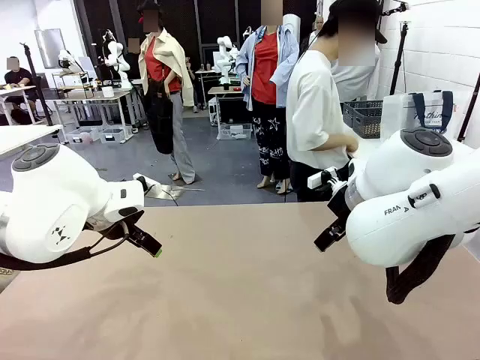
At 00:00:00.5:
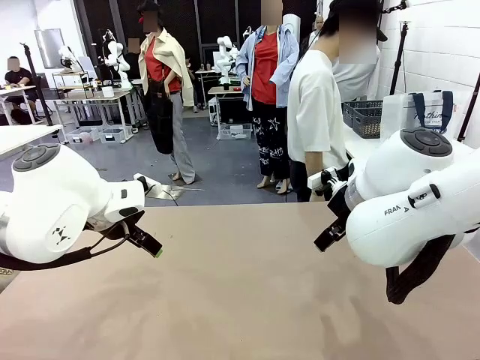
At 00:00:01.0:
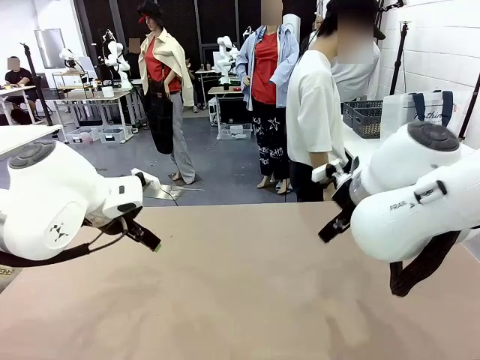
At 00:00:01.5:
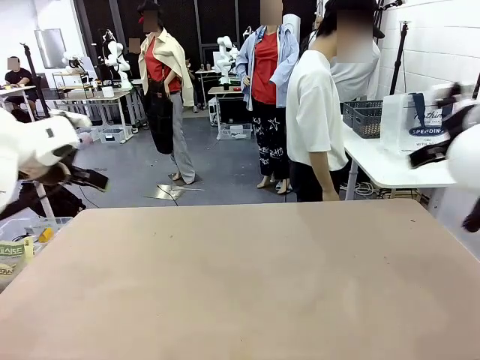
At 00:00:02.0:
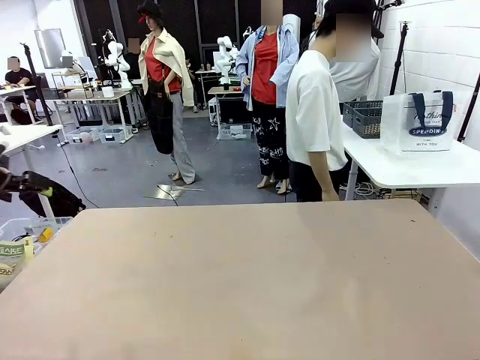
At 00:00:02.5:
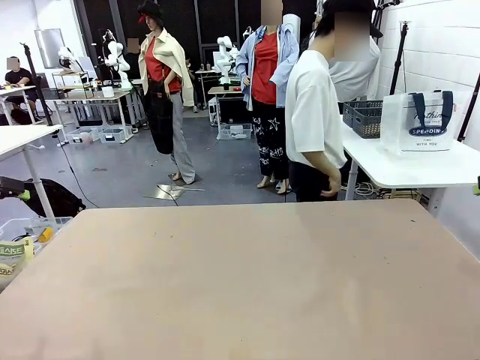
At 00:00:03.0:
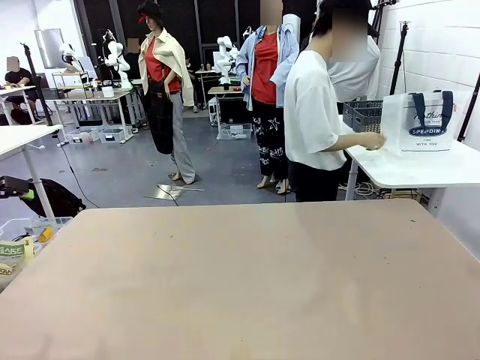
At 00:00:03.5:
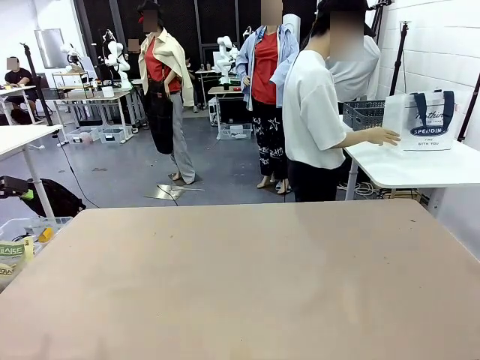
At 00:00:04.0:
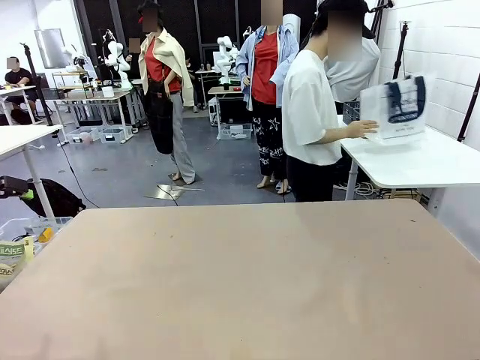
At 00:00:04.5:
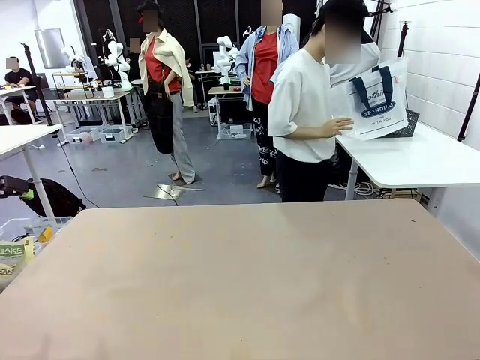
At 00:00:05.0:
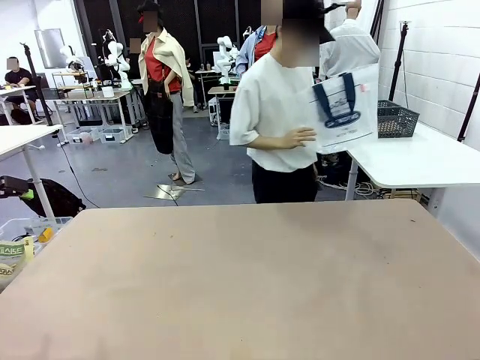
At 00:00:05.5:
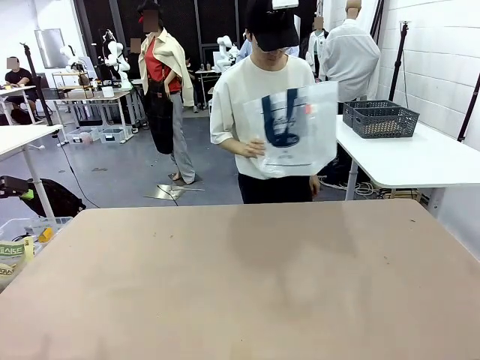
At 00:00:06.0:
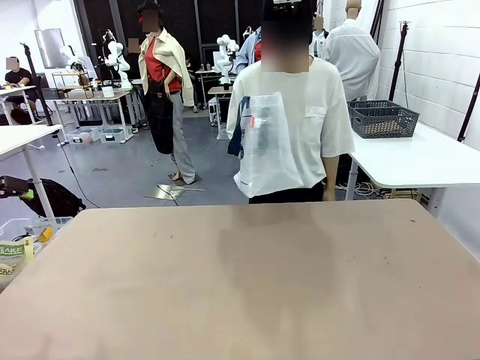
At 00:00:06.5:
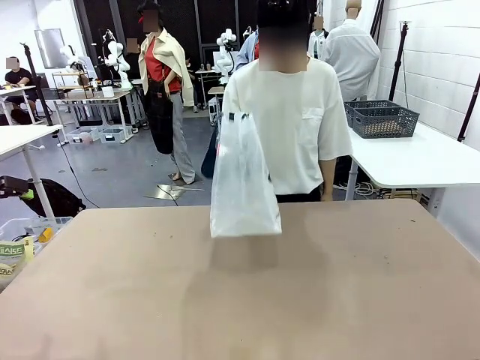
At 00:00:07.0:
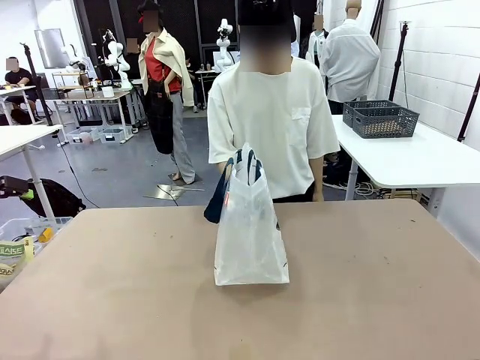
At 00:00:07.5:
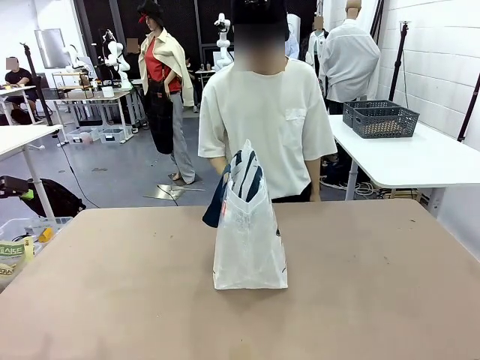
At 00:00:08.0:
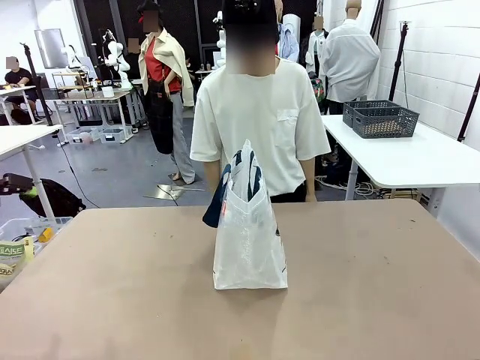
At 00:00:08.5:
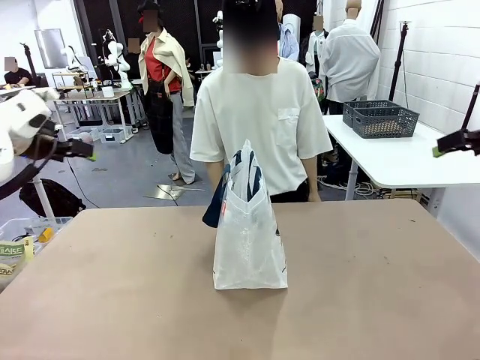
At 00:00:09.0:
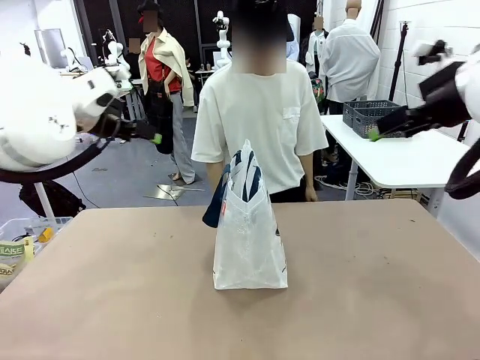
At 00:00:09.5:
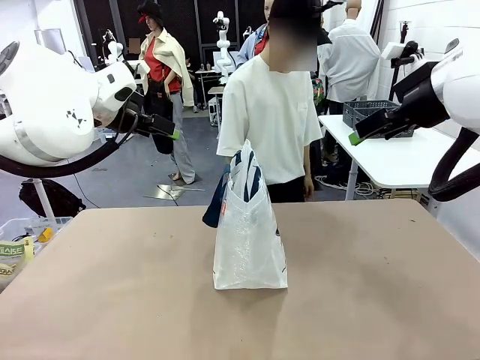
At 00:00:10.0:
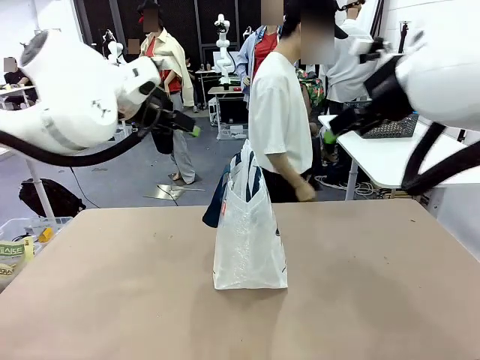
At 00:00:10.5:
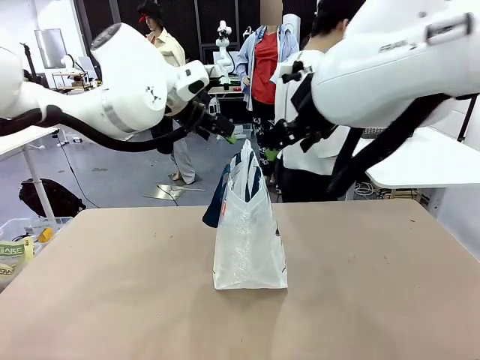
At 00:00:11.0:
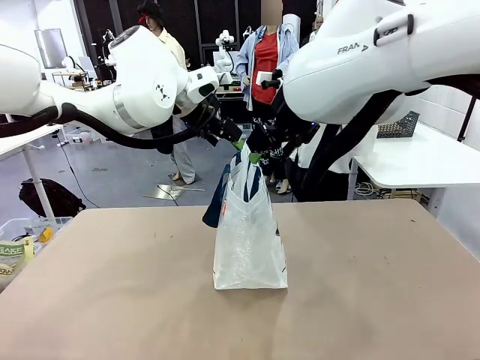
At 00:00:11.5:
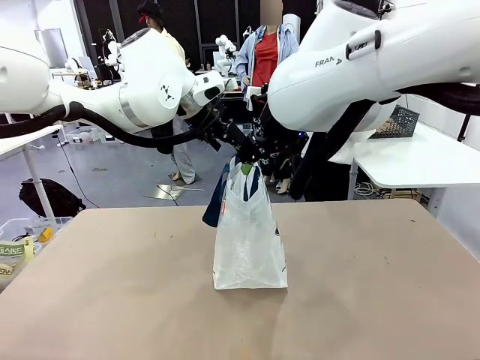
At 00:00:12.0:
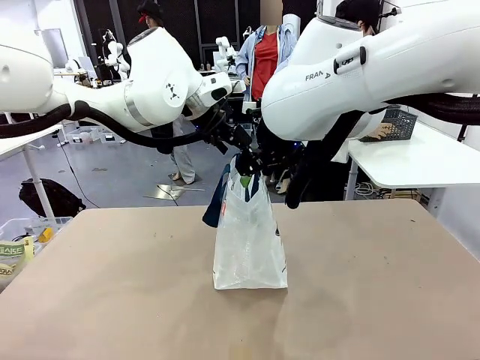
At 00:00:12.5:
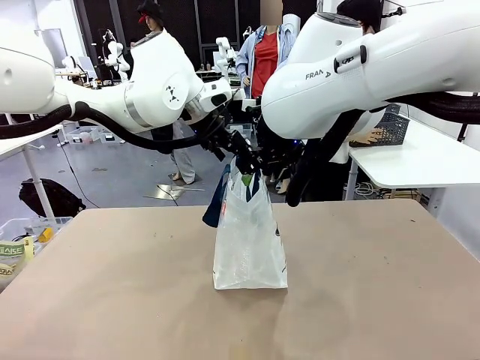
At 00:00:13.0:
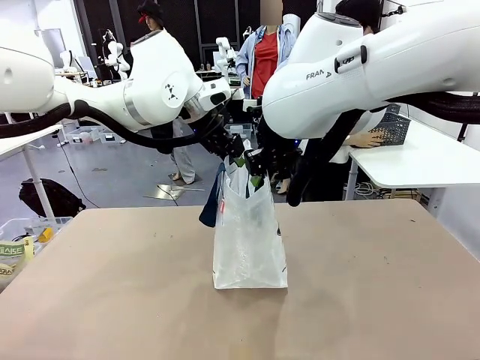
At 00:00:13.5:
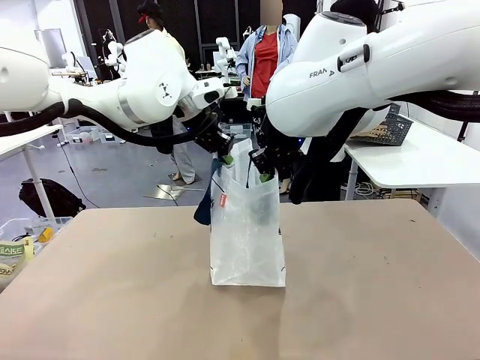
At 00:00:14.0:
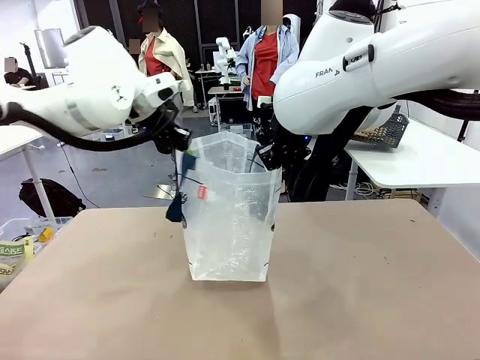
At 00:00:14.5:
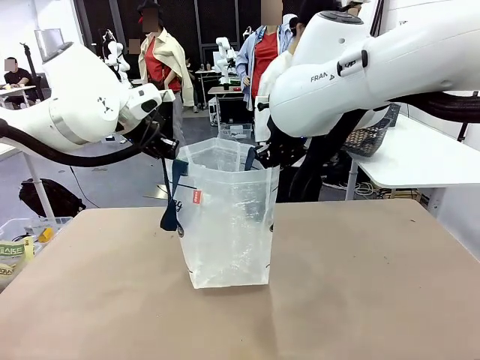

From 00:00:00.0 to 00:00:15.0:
Task: Transfer purchased items from the store into the shopping bag.
Robot: Open the Reusable shopping bag in the center of the table.
Person: Pick up the shopping bag and place it in the middle of the robot table. Pick up the basket on the right, place it on the left side of the robot table, and move the items in the basket to the shopping bag.

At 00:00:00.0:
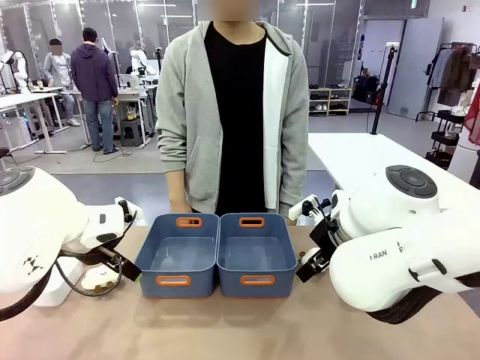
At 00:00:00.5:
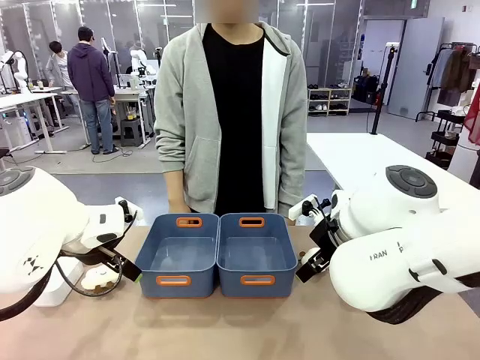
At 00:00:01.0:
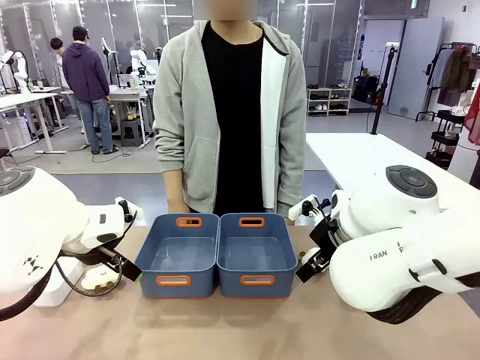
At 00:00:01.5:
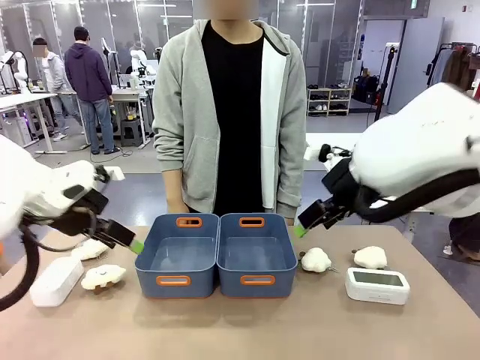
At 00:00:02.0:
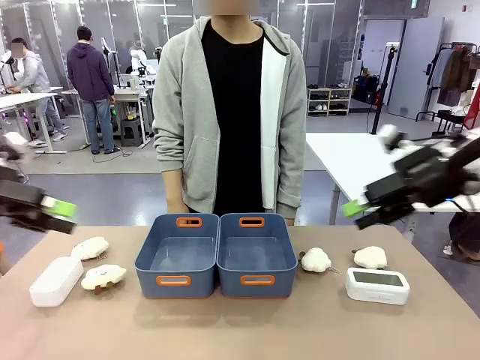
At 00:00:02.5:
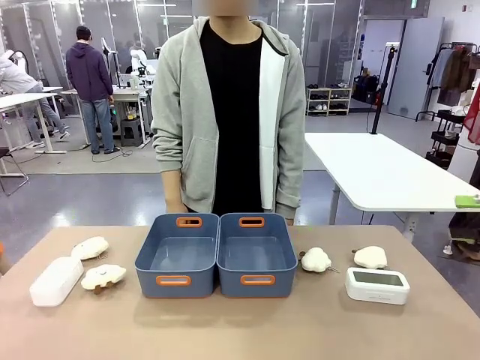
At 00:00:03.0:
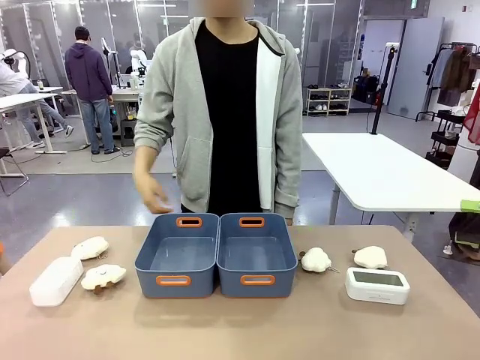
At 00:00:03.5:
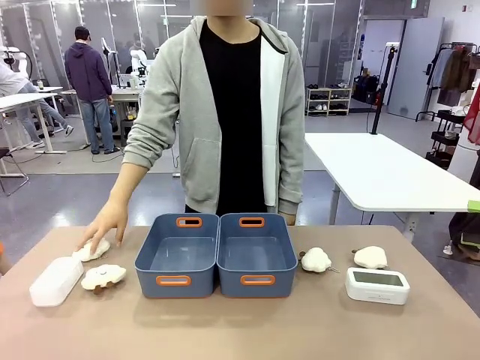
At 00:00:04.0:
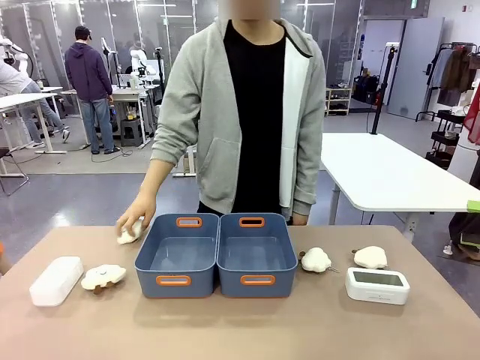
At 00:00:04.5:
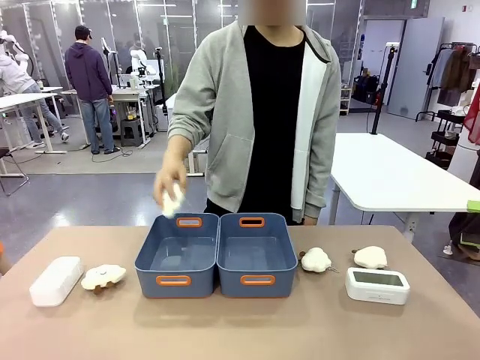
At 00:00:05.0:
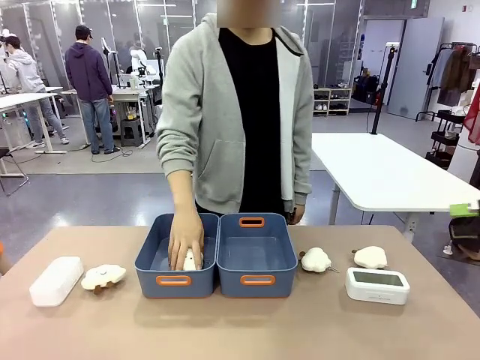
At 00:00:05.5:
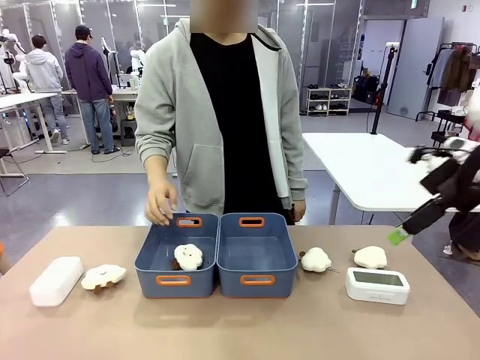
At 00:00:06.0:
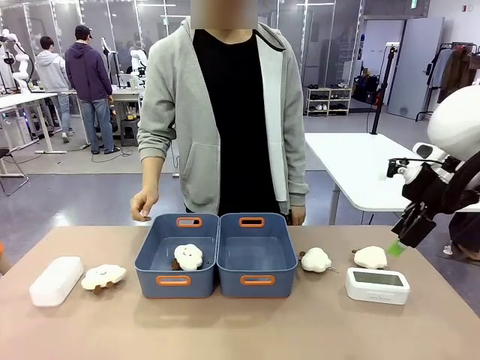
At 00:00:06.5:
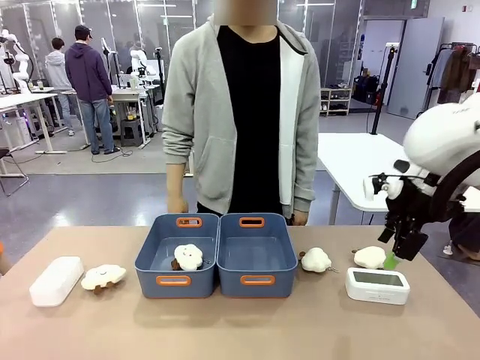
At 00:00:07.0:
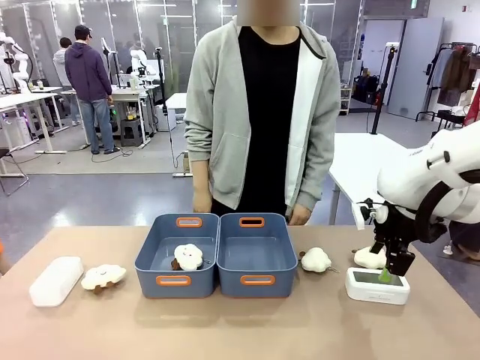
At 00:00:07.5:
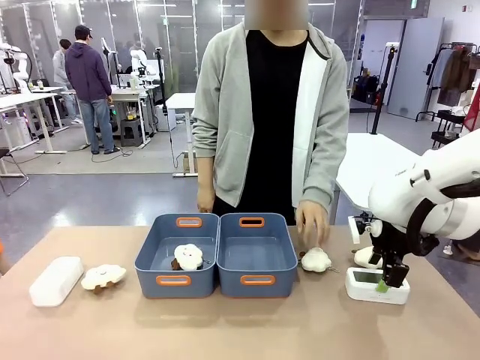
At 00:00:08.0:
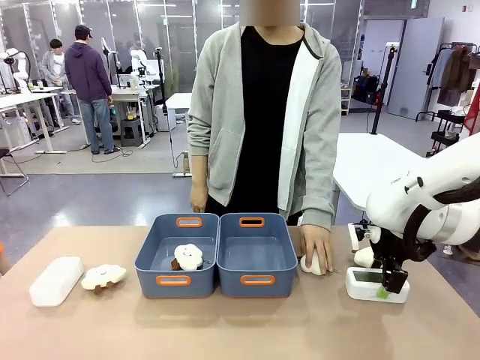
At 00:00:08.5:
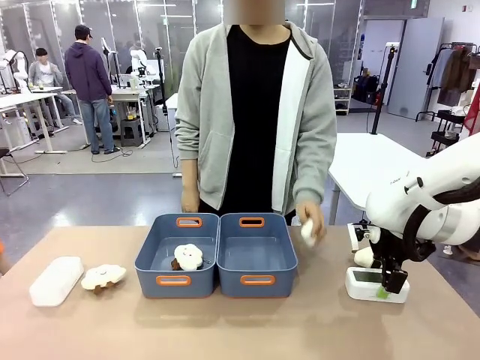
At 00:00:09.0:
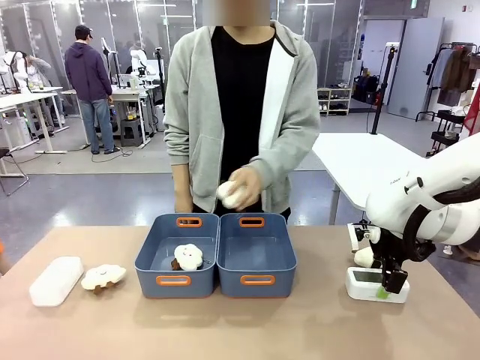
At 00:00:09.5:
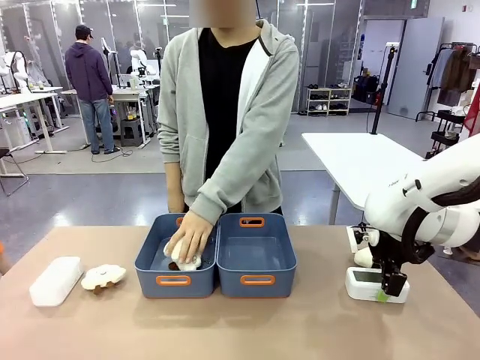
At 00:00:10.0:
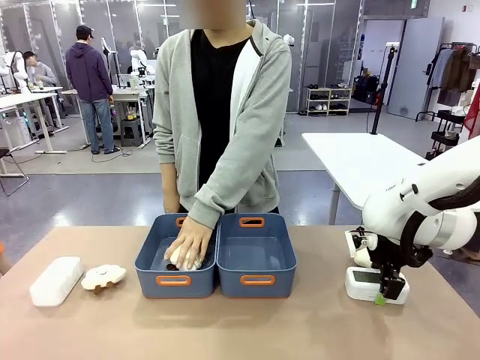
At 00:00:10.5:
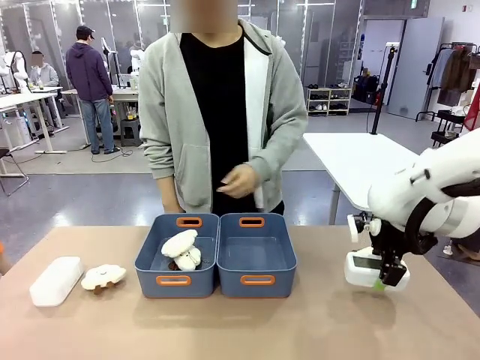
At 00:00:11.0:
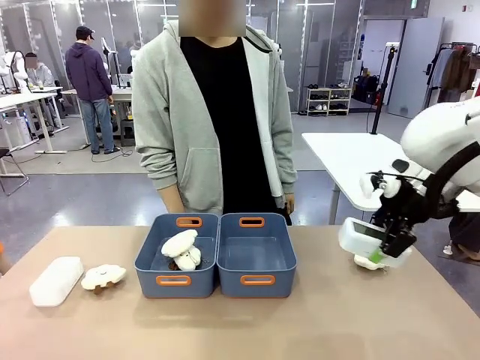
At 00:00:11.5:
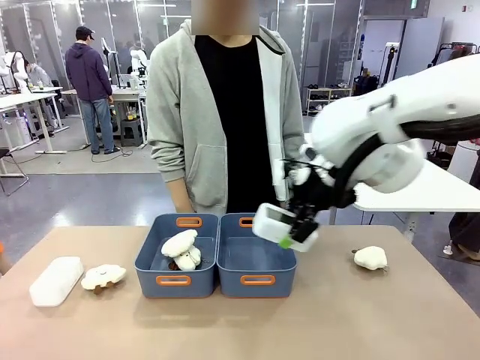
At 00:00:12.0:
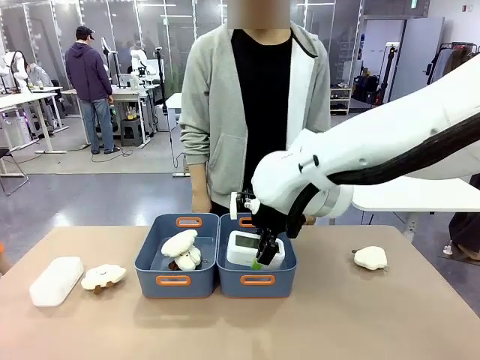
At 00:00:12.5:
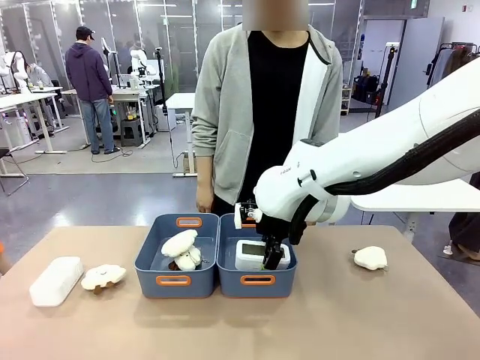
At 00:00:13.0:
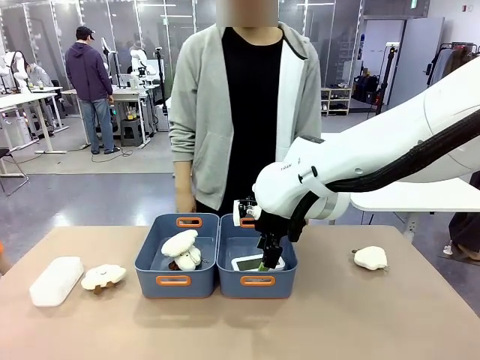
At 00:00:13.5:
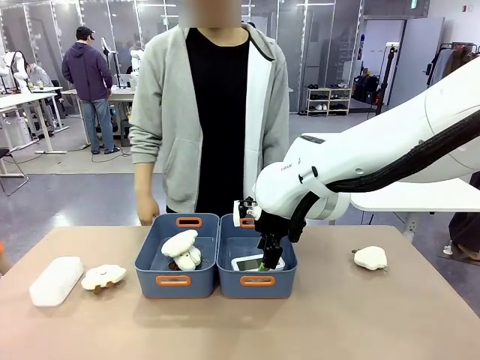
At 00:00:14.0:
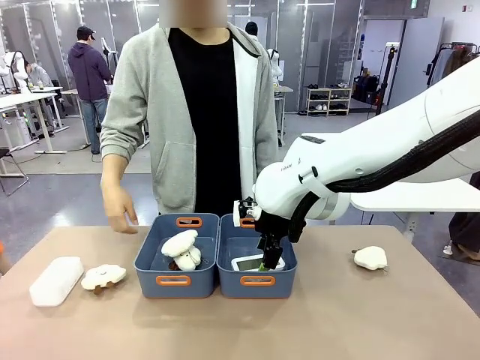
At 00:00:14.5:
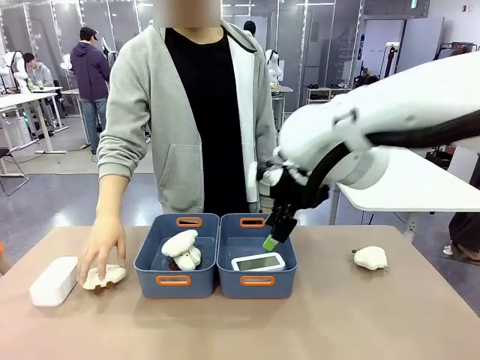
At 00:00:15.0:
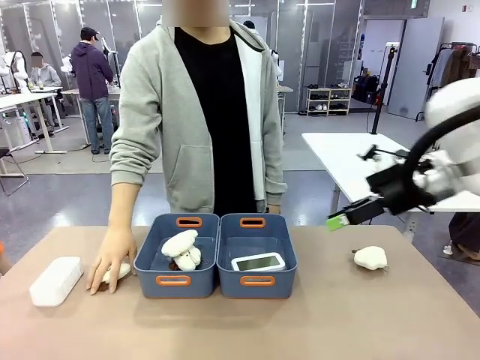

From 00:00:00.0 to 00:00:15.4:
Task: Sort the digital clocks into the basket.
Robot: Pick up the Digital clock from the table and place it into the empty Plastic storage basket.
Person: Pick up a plush toy from the table and place it in a plastic storage basket.
